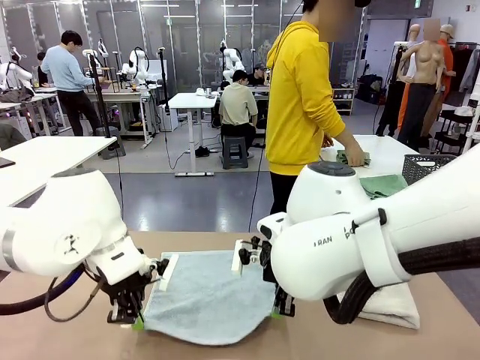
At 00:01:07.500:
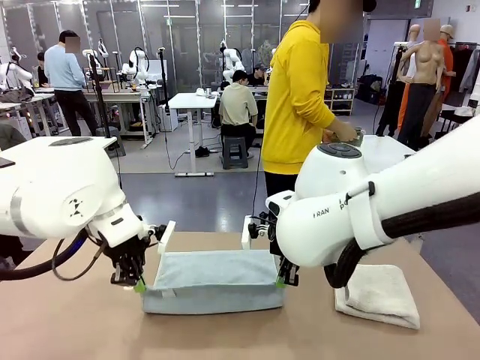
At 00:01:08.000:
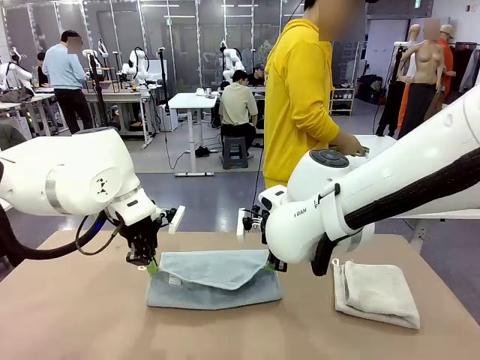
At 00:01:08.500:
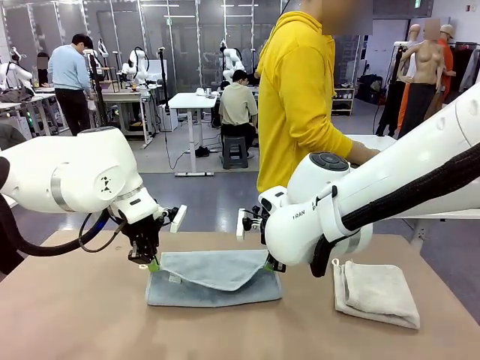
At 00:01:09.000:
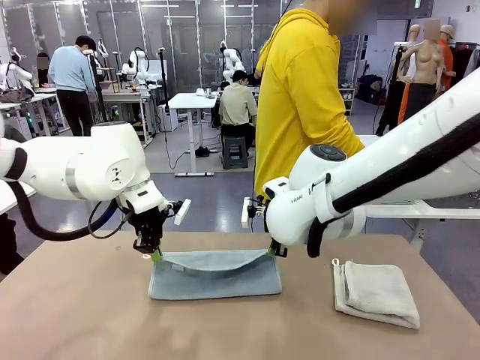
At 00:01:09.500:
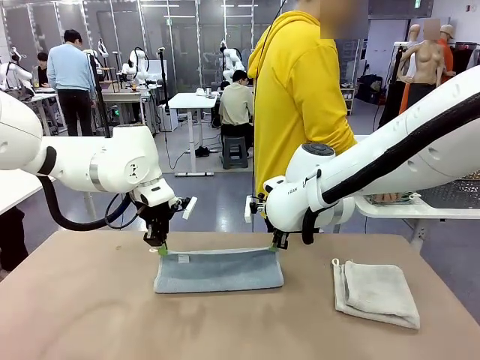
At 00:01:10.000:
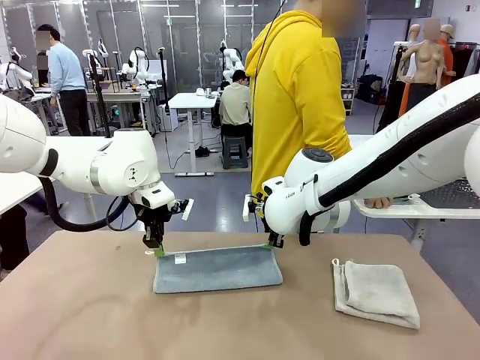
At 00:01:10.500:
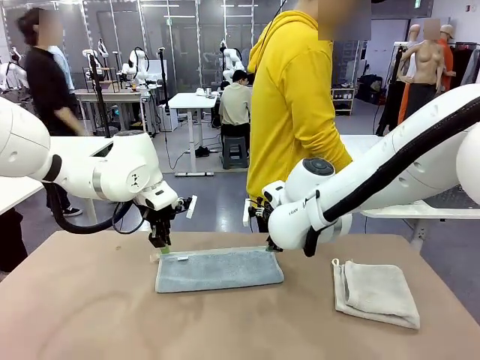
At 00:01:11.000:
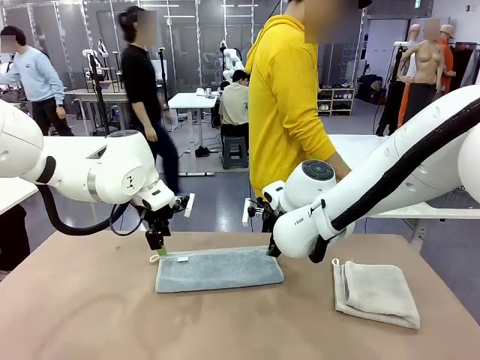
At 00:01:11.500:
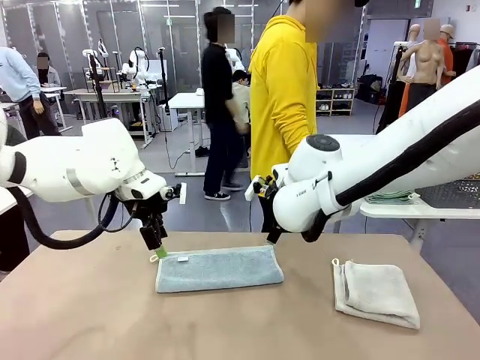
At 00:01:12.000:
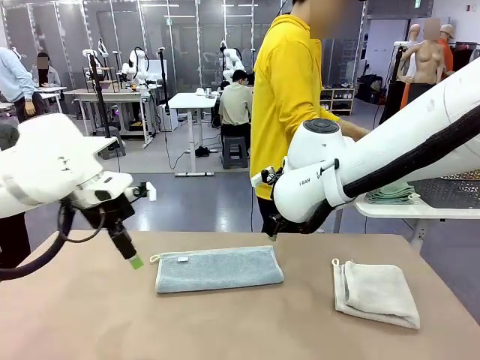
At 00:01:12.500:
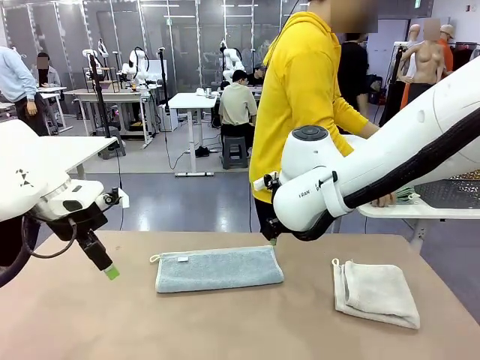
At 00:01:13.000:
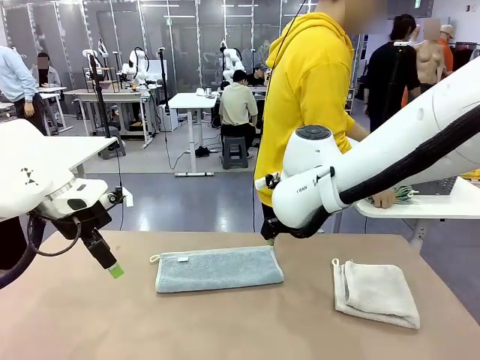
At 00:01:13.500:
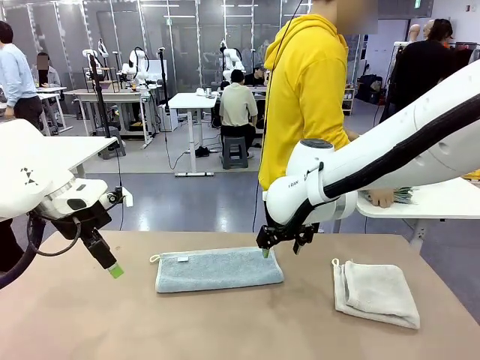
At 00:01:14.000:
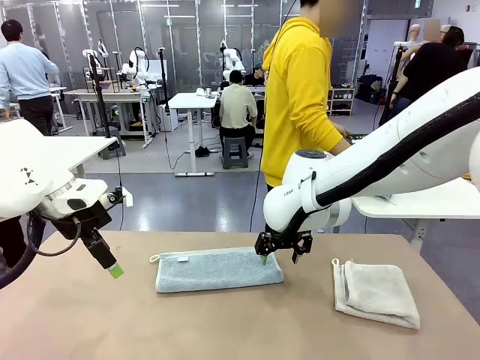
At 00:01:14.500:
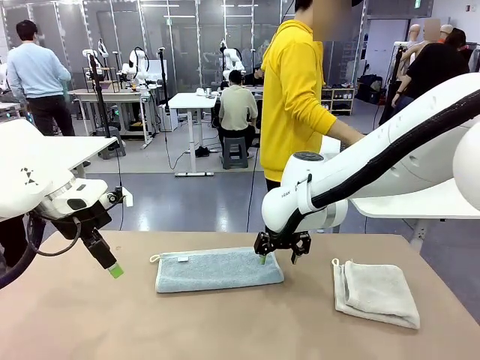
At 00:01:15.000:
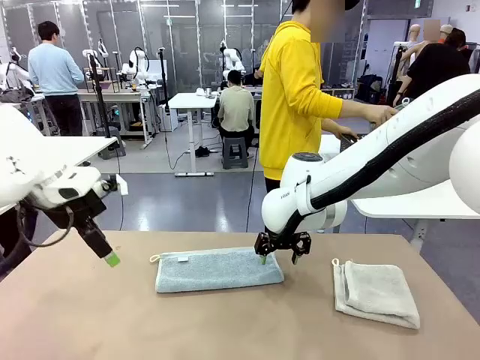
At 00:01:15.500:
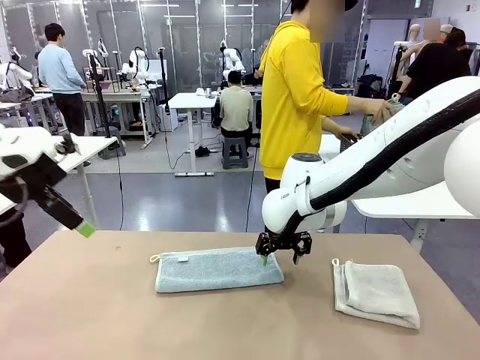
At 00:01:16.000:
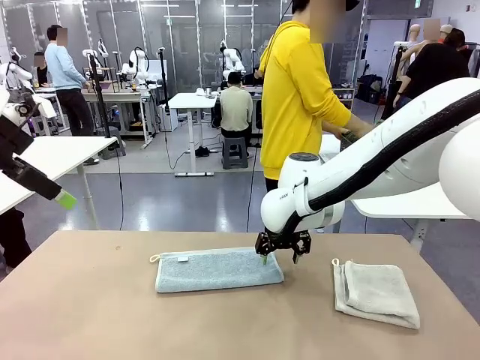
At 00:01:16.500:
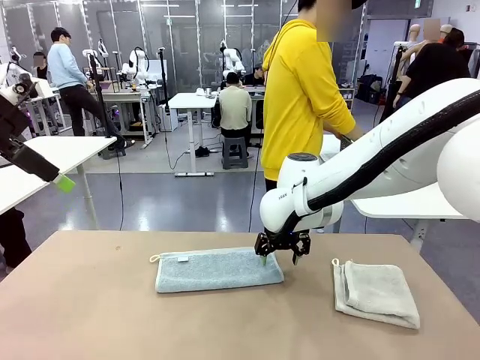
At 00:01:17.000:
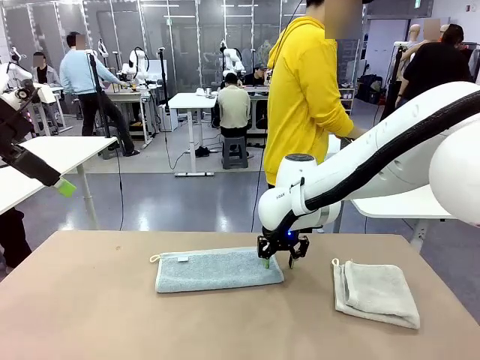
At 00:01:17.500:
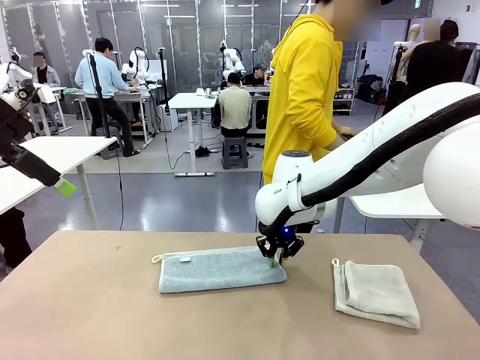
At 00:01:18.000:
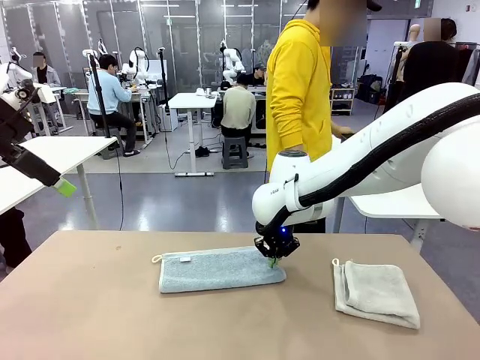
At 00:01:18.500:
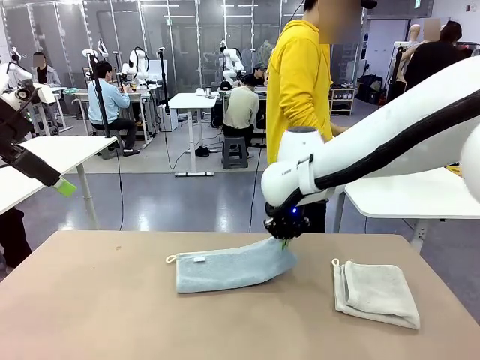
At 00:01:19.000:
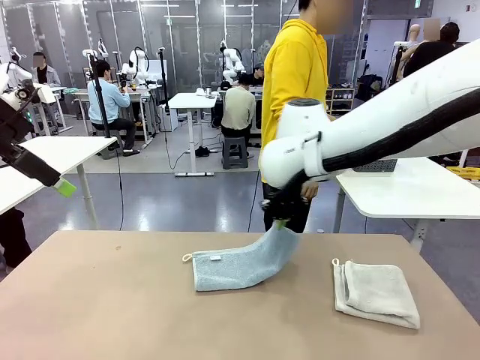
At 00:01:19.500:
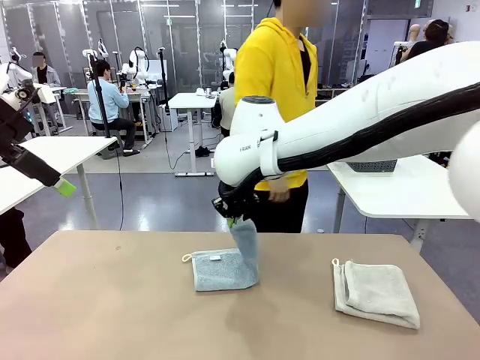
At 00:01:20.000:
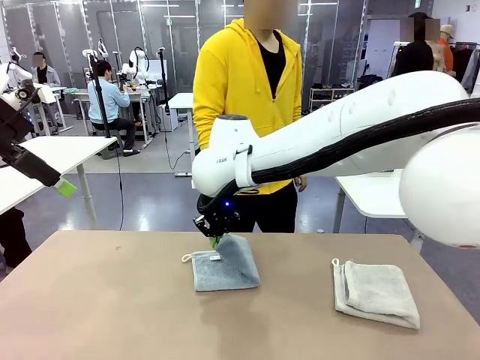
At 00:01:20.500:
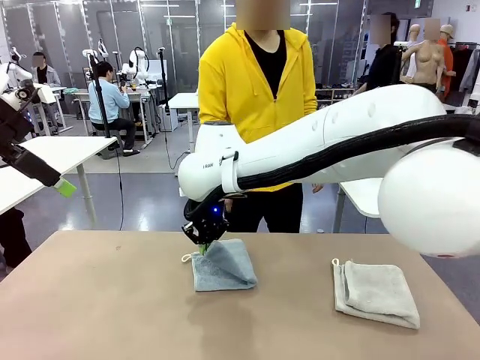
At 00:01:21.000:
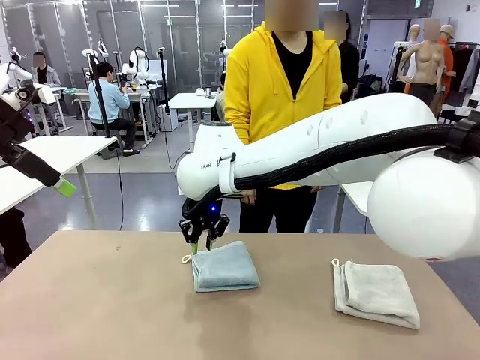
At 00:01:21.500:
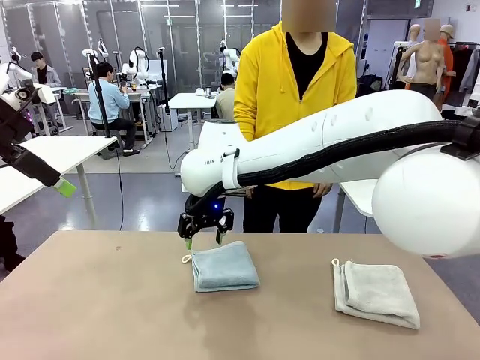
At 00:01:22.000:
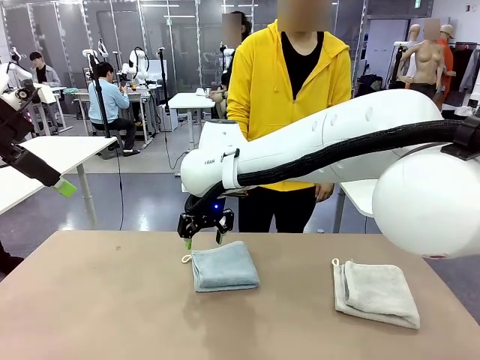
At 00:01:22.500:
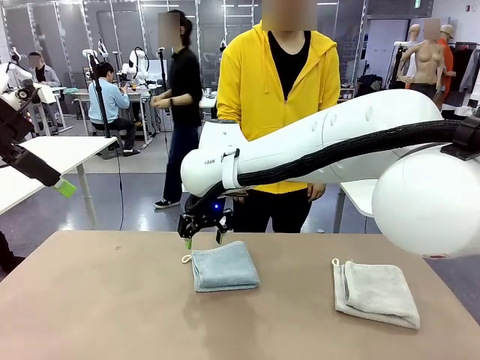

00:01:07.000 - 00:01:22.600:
Task: Fold the towels and place them in the basket.
Robot: When a person lays out a Towel with hook on the table, fold it in half twice.
Person: Pick up the stack of towels from the right side of the human table, place it into the basket, and put the basket at the center of the table.

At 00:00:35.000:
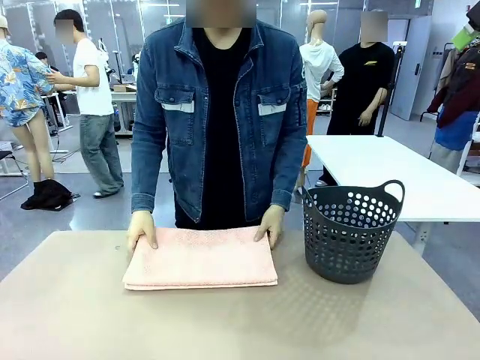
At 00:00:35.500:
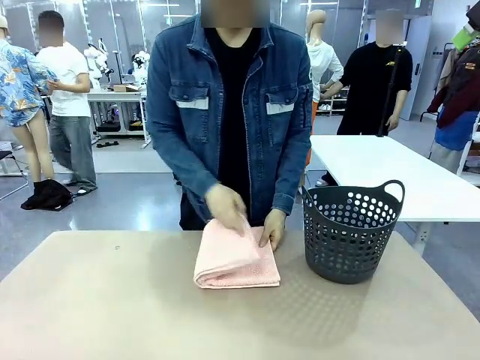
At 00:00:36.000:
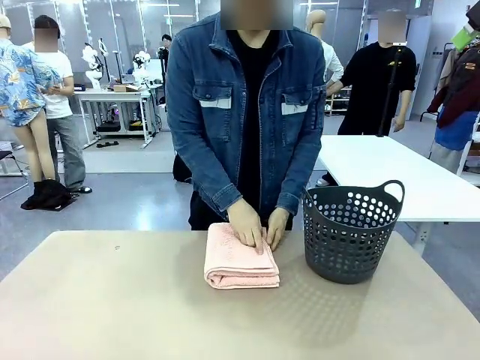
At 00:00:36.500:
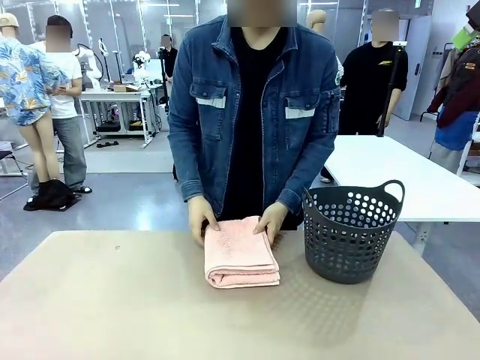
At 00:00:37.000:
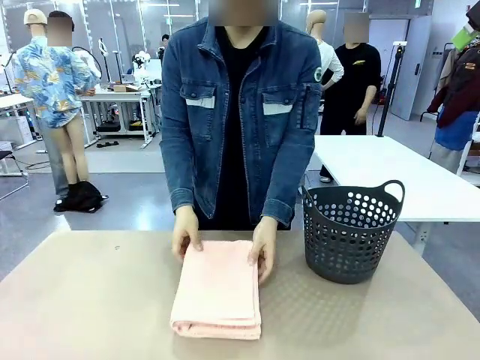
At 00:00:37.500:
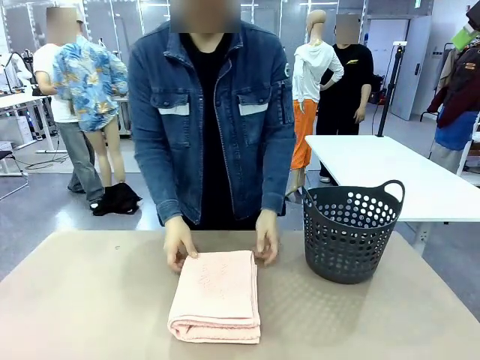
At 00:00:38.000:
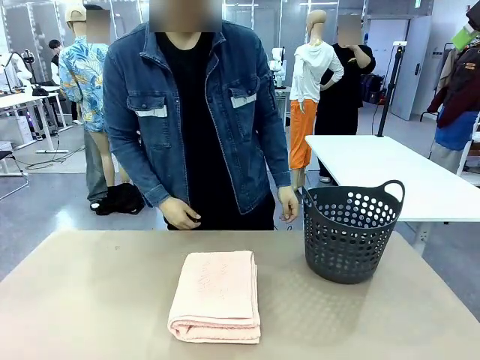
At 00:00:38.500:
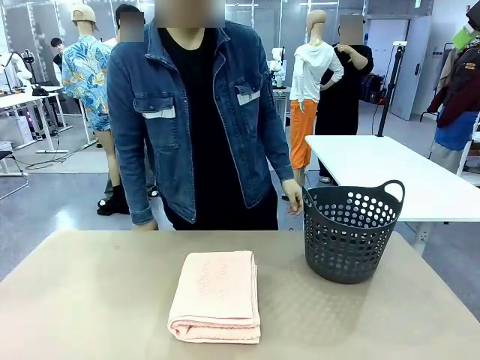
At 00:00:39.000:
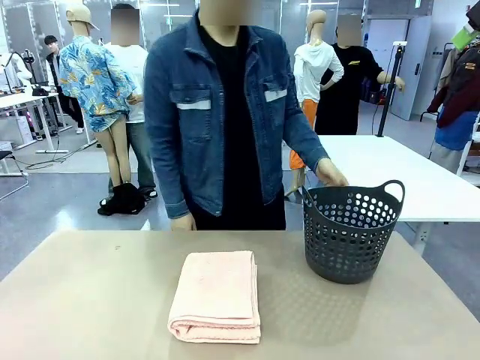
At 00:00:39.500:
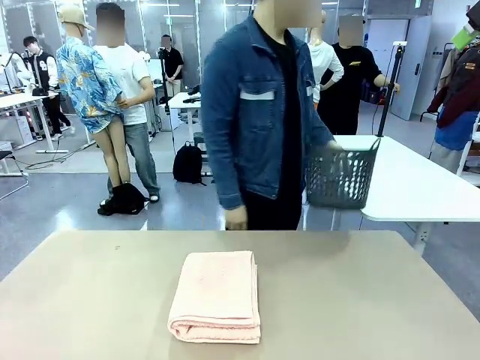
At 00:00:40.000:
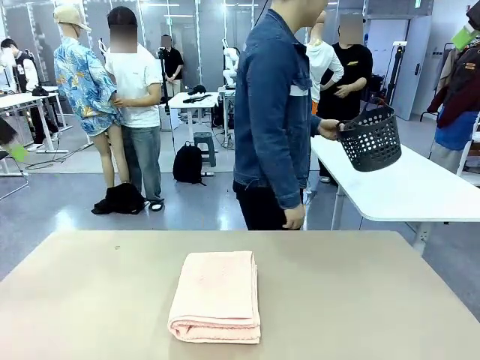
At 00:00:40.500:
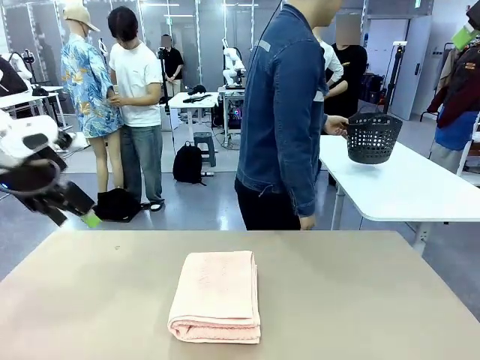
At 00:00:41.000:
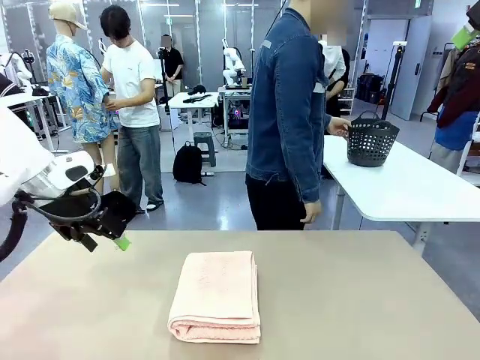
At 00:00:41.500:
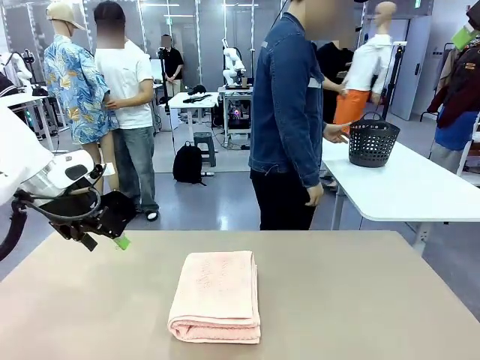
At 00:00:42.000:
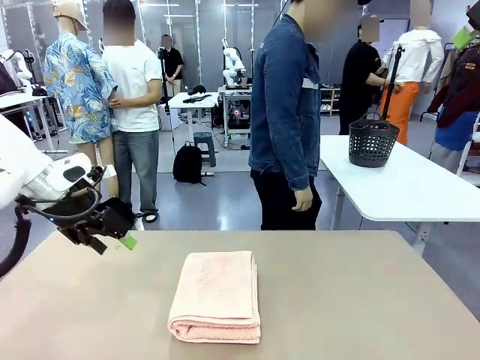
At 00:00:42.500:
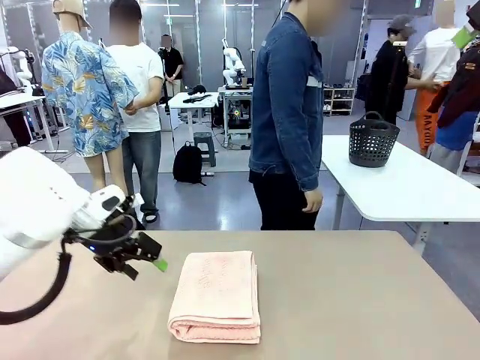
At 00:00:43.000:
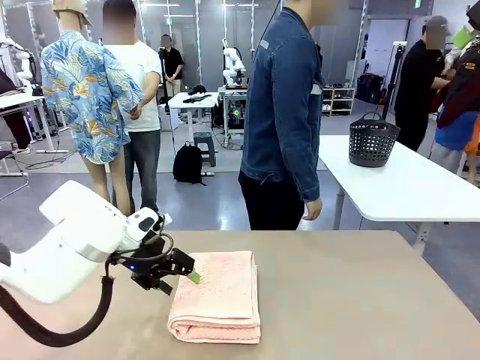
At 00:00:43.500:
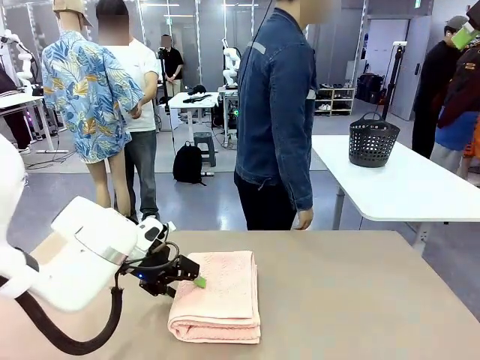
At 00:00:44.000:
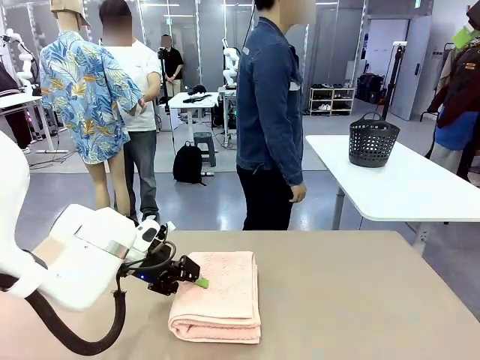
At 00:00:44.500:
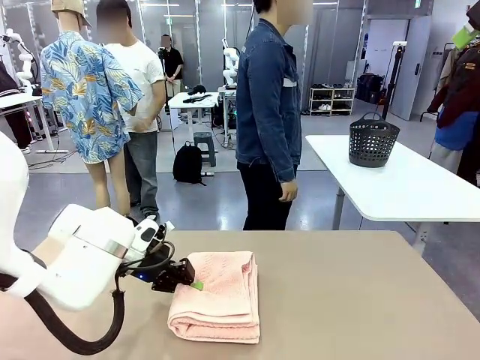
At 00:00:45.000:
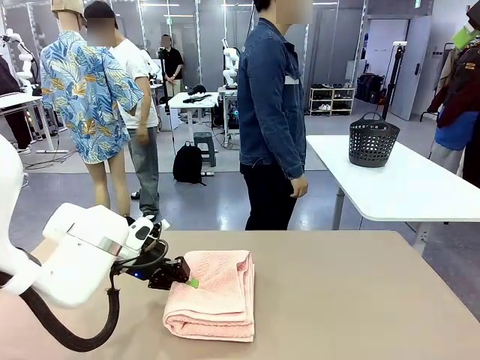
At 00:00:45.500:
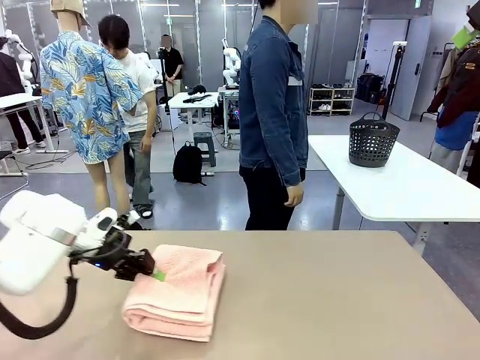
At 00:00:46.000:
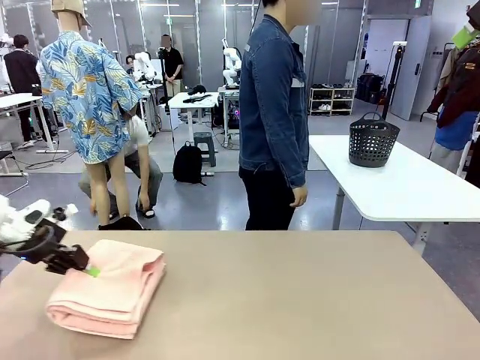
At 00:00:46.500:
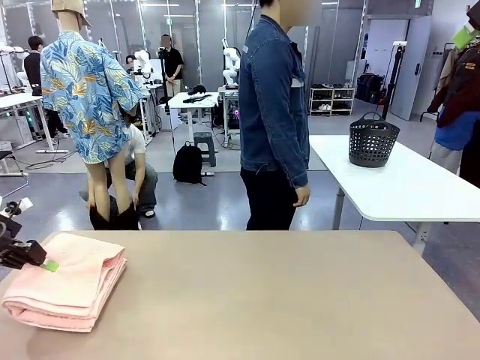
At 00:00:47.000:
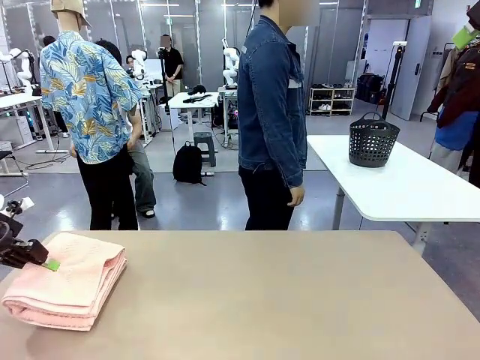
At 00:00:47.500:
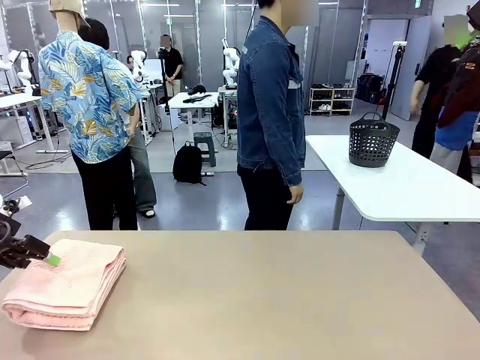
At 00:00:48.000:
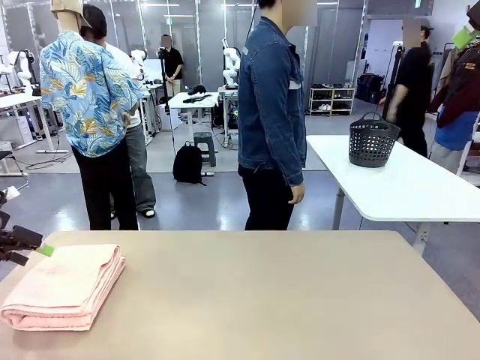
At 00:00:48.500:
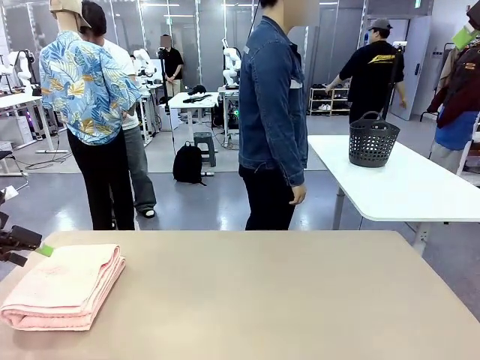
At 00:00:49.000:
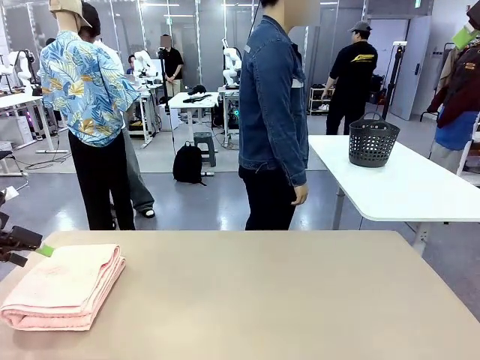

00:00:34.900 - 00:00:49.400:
Task: Fold the towel.
Robot: Pick up the 100 cm Hotel Towel and place it on the left side of the table.
Person: Pick up the laundry basket and place it at the center of the human table.
